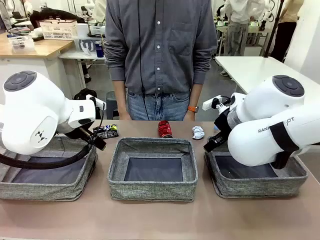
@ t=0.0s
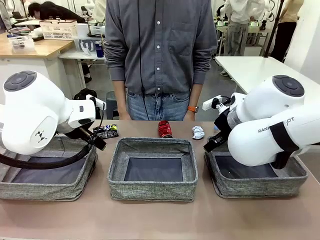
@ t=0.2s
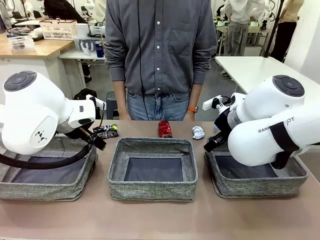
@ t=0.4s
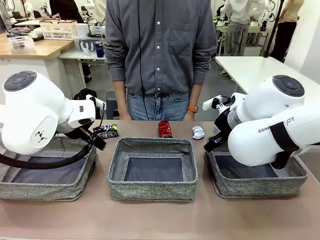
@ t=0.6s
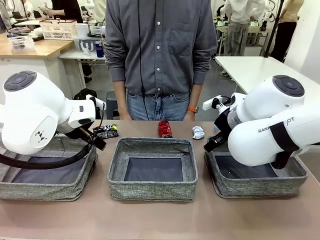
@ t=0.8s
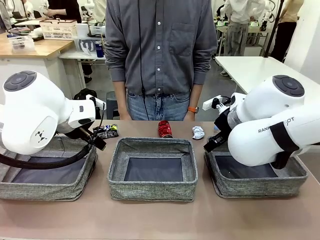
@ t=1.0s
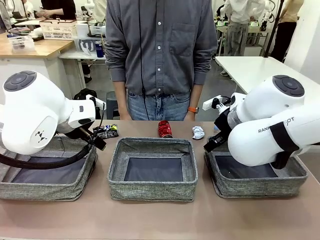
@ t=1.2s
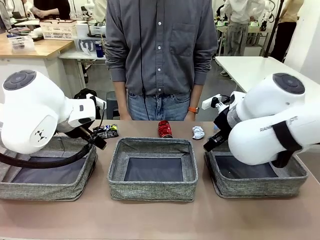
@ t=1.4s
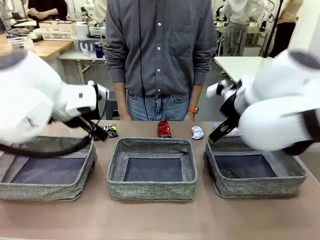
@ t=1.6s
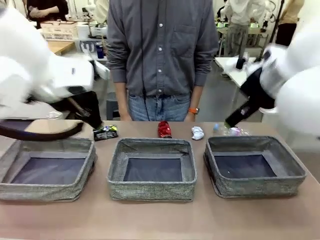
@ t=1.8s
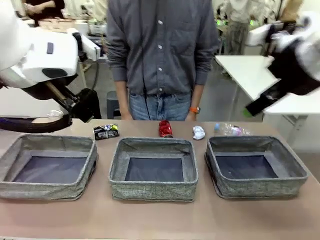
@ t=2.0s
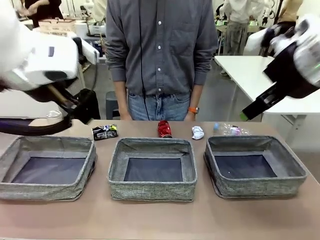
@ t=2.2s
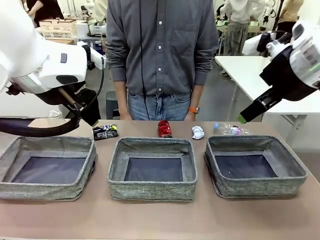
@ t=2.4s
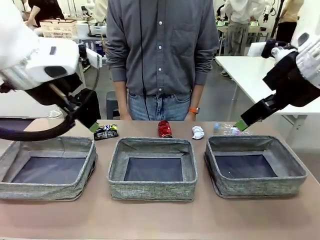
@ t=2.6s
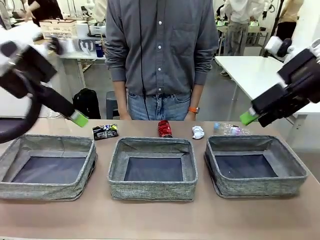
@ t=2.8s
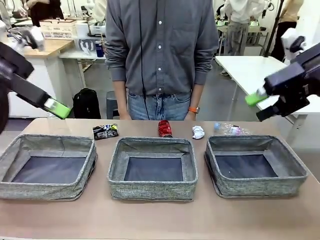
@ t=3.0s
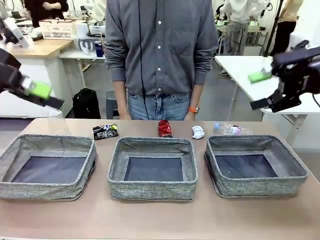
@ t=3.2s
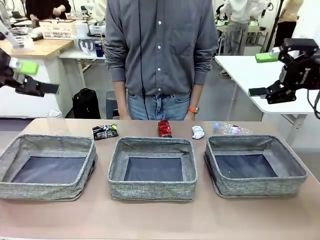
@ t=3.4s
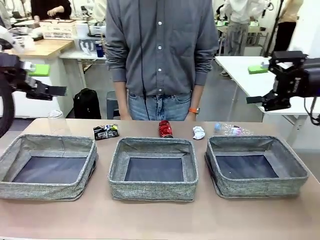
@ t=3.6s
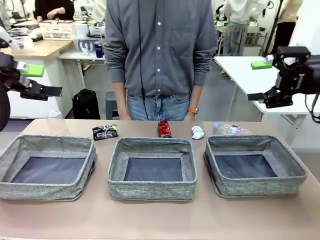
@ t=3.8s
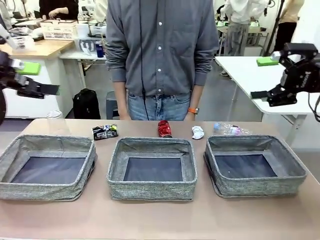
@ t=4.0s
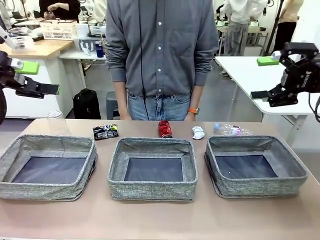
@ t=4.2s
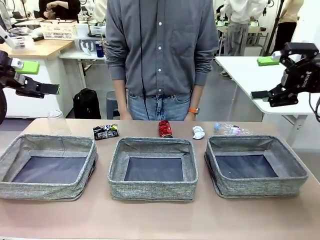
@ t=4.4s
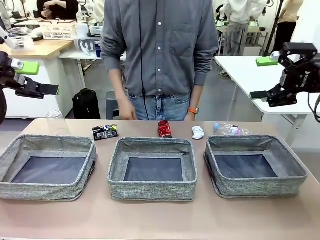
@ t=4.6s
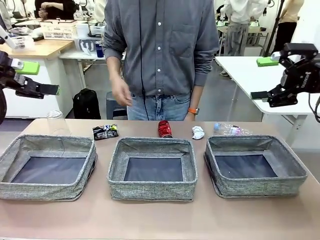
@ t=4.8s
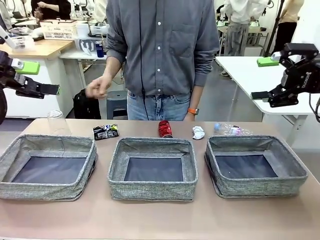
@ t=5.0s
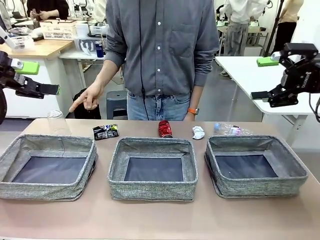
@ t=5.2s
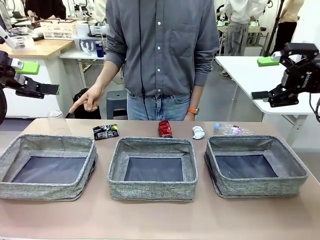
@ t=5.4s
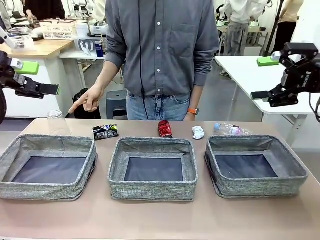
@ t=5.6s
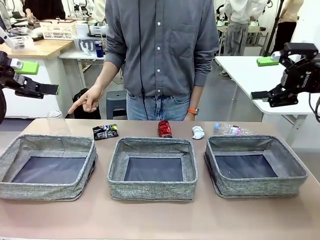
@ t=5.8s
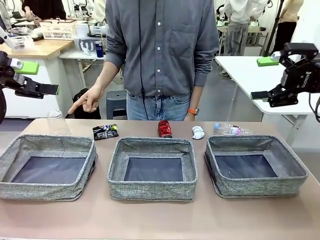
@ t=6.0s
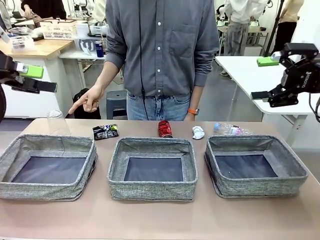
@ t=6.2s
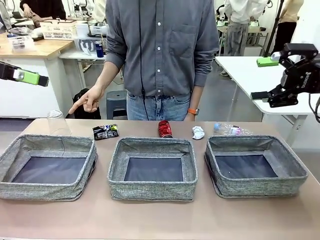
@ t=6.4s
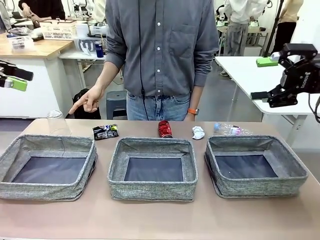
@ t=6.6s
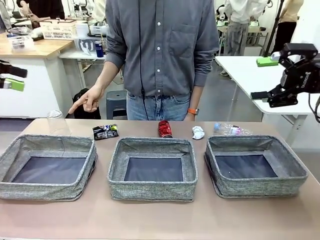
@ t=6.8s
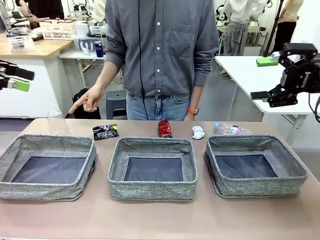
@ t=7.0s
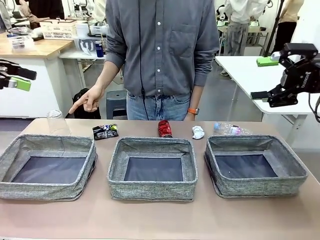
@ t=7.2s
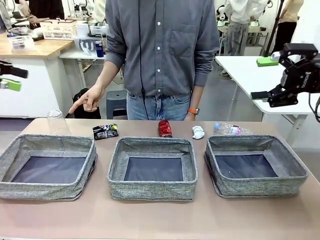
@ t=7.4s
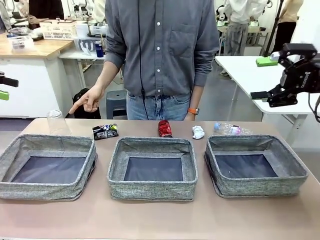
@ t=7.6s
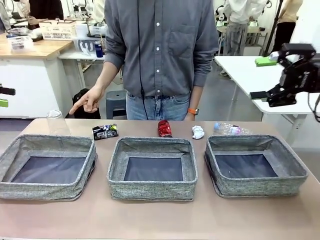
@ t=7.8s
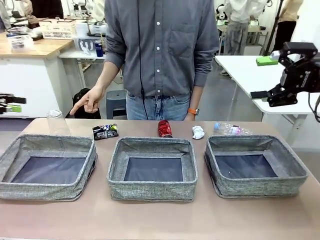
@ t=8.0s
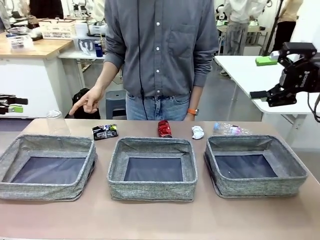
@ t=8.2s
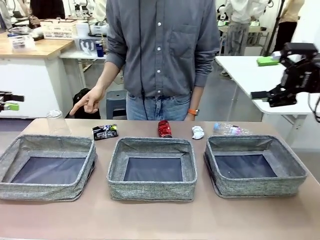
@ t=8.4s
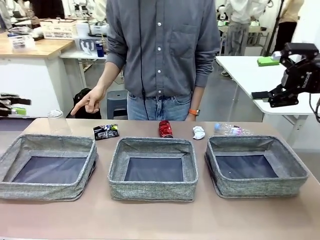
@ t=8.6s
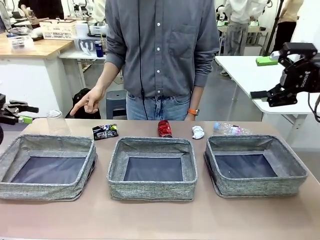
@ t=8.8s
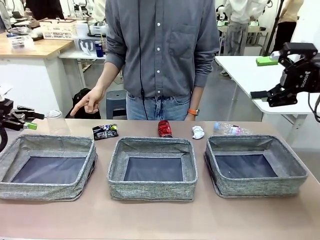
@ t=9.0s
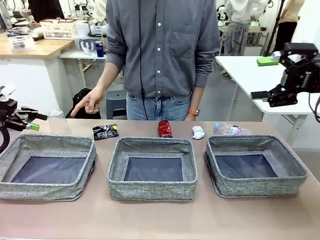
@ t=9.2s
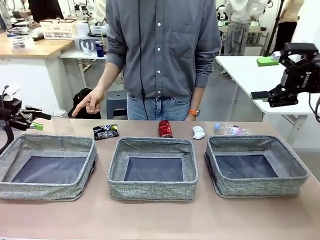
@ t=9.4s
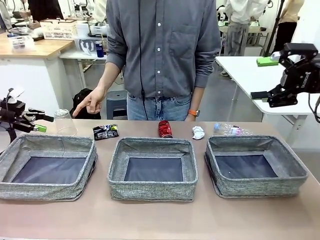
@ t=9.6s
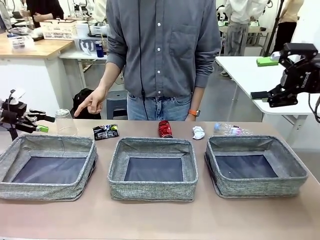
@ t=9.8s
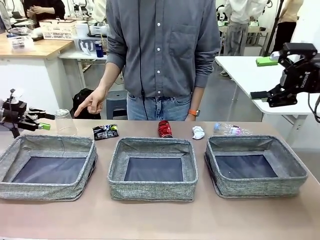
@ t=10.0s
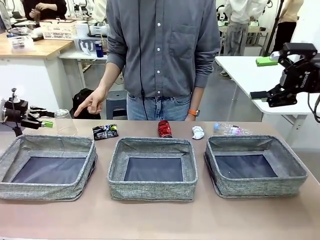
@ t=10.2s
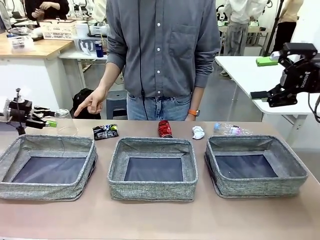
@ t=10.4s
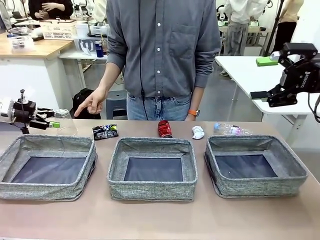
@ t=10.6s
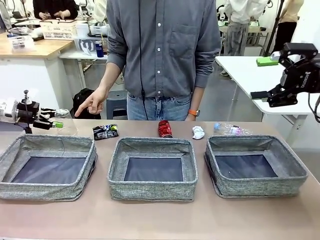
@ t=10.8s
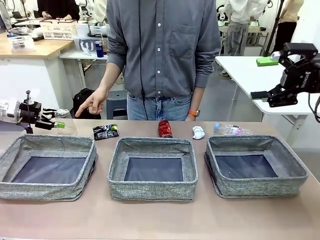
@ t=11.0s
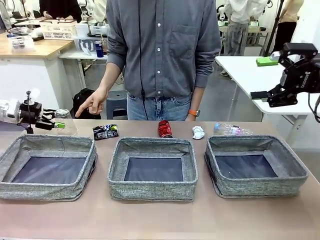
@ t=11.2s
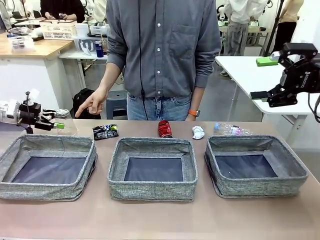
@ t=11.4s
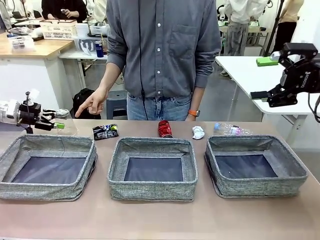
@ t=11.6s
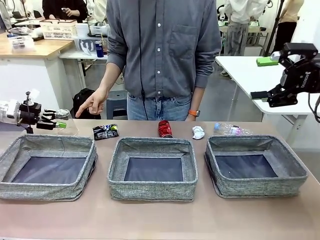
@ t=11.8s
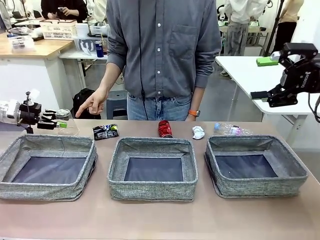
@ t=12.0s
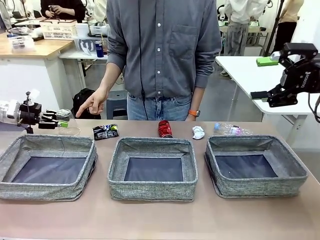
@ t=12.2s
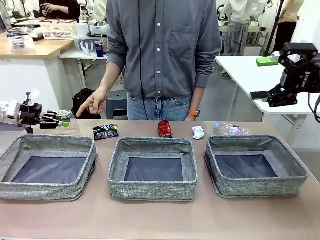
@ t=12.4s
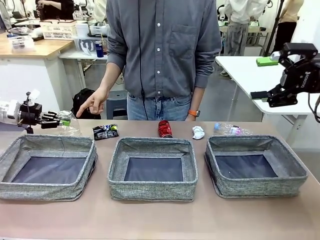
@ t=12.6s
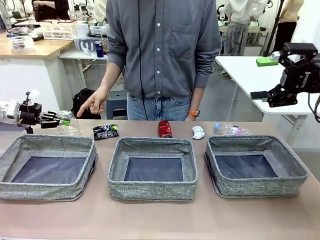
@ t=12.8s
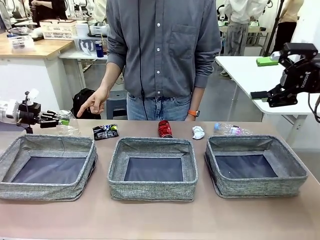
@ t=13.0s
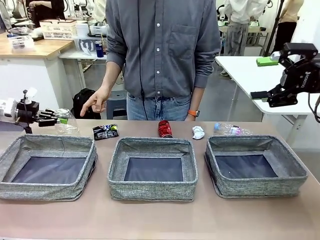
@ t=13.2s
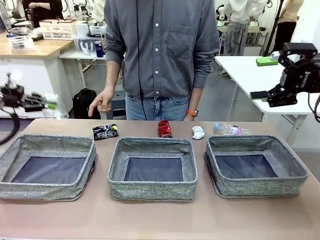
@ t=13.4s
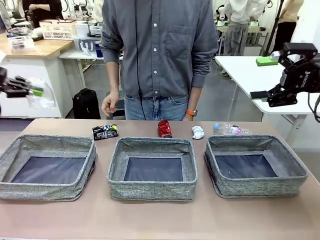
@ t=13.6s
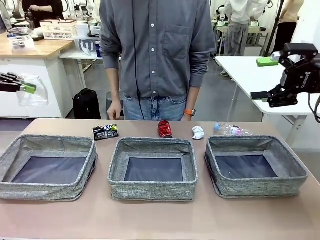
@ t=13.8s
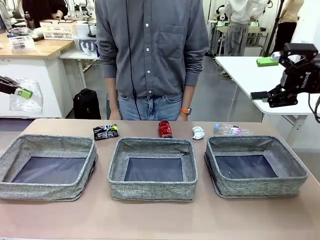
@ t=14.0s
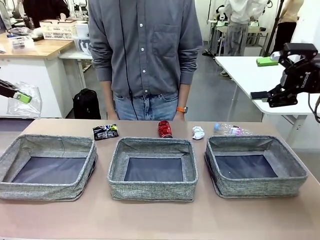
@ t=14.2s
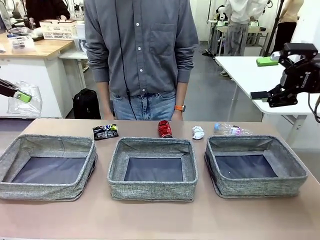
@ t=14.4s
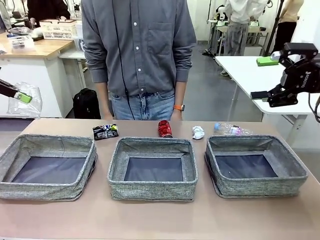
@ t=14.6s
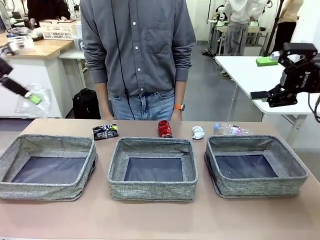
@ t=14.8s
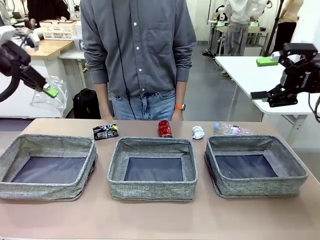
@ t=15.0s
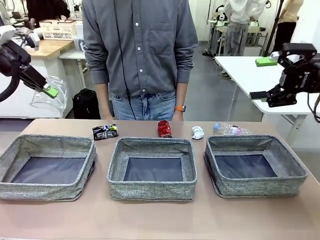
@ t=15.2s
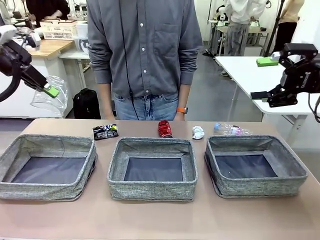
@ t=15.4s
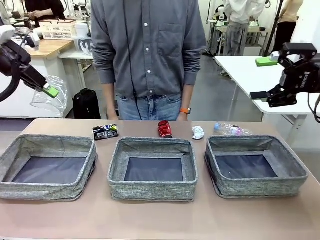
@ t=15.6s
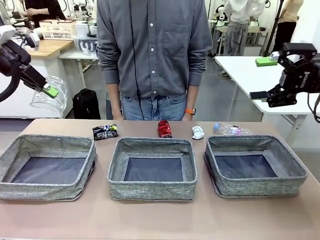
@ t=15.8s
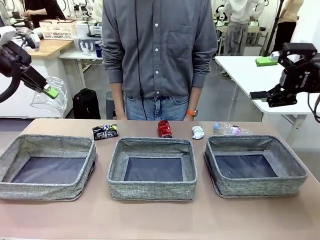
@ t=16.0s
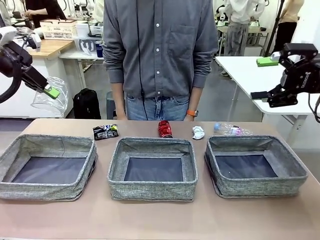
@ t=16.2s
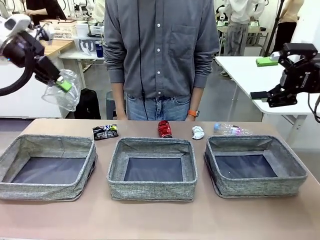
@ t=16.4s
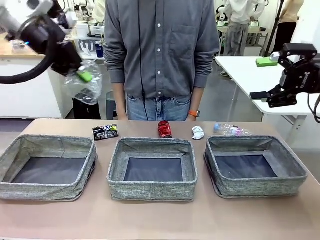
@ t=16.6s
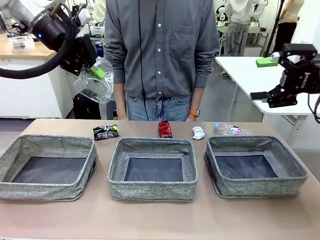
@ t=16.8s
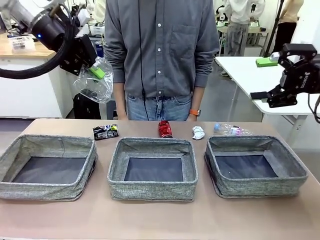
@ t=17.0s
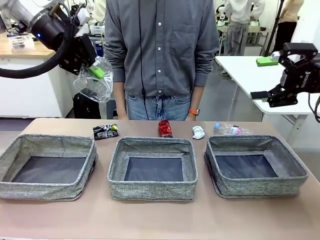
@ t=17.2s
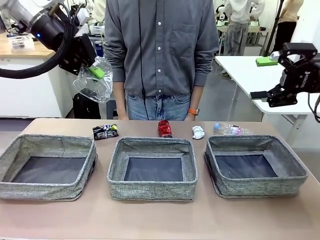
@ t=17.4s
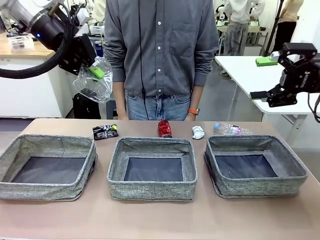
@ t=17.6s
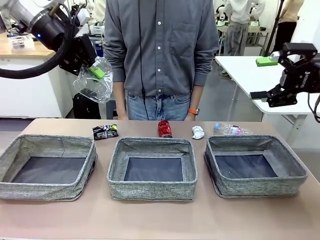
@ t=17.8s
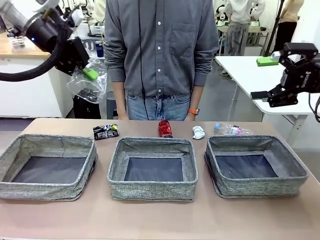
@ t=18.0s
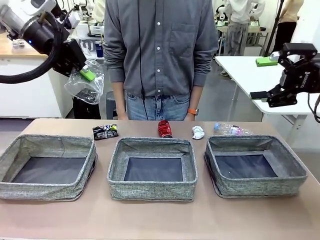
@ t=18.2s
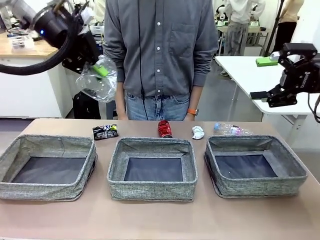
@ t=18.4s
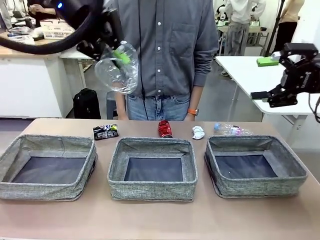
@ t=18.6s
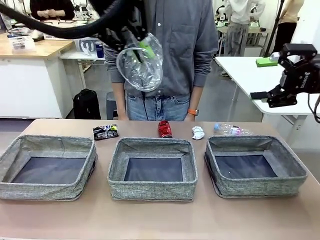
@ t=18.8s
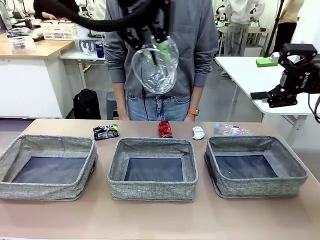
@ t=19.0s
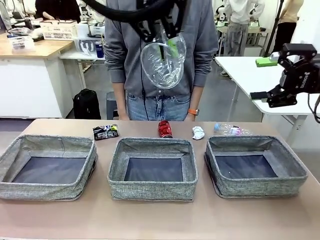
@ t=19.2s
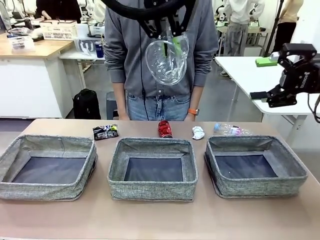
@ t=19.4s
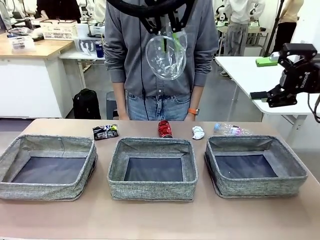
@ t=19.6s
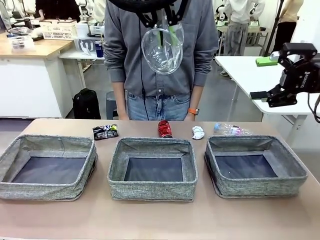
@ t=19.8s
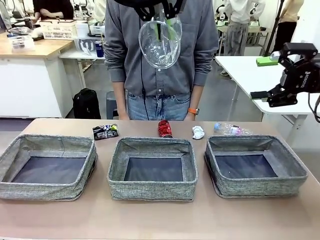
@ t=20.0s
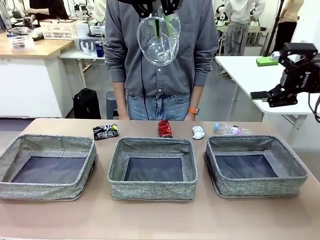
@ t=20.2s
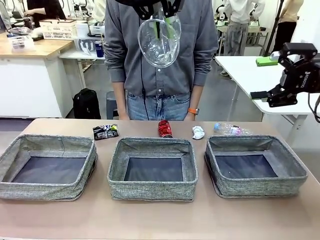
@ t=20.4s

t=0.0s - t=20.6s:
Task: Sort the waste into the appropriate baskets.
Robot: Pick up the waste item pointed out by the person.
Person: Points to one piece of trash on the table.
